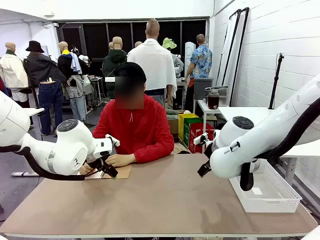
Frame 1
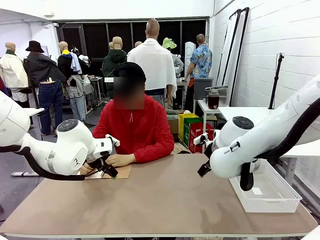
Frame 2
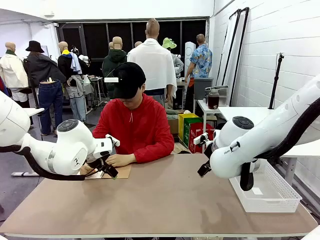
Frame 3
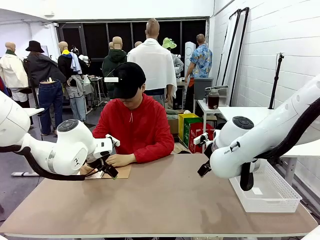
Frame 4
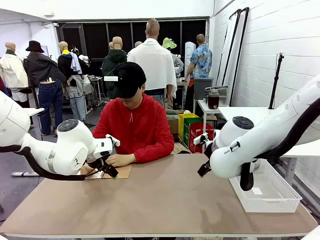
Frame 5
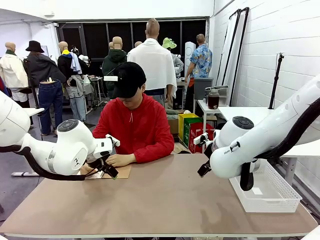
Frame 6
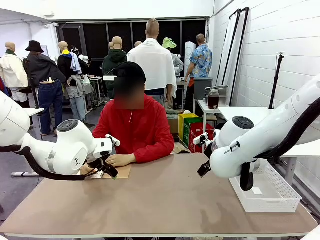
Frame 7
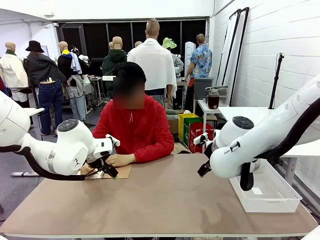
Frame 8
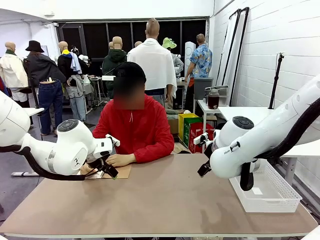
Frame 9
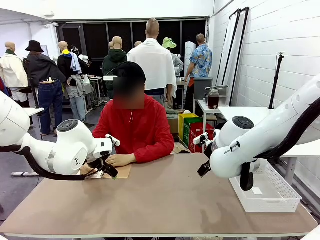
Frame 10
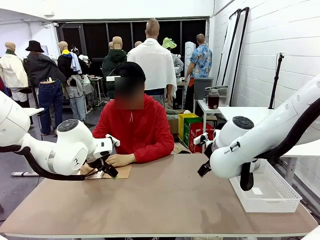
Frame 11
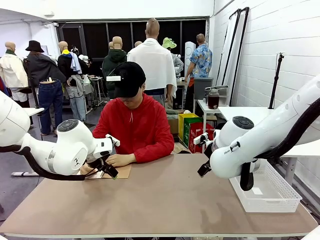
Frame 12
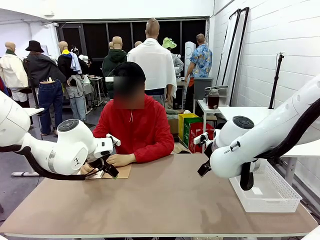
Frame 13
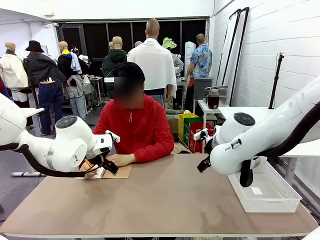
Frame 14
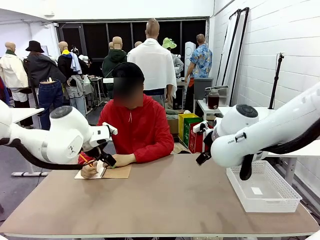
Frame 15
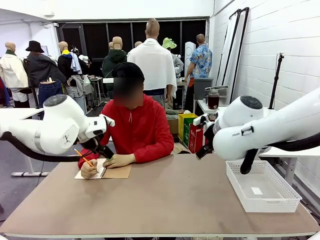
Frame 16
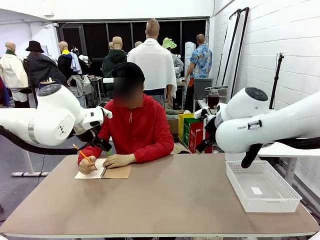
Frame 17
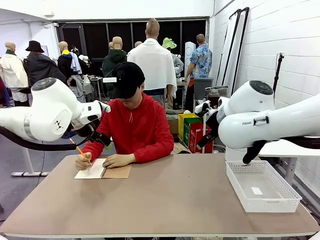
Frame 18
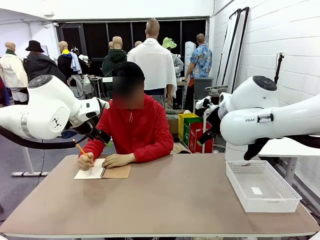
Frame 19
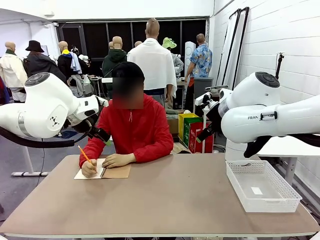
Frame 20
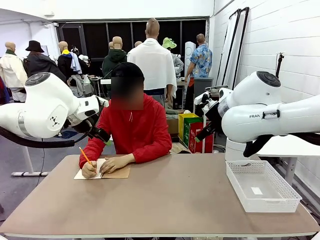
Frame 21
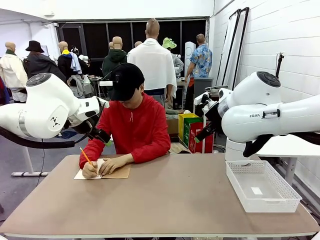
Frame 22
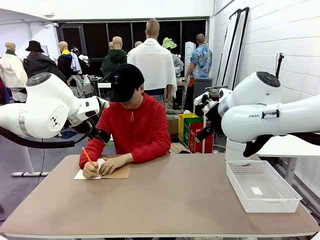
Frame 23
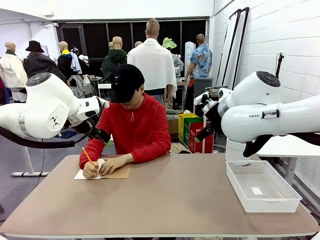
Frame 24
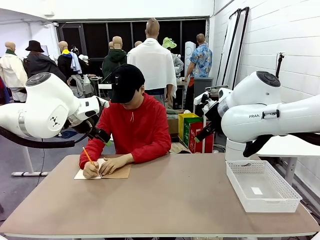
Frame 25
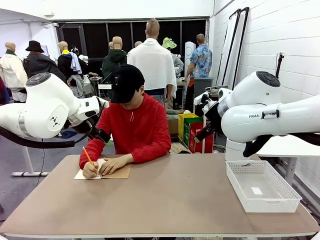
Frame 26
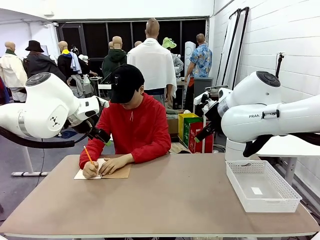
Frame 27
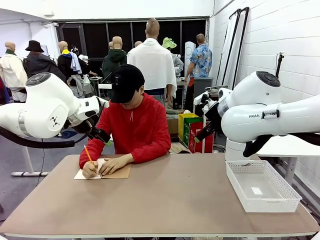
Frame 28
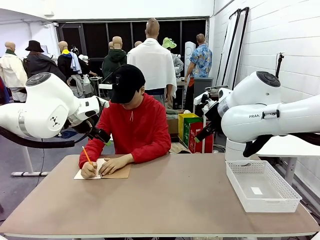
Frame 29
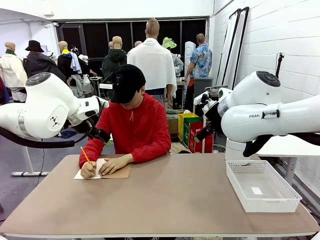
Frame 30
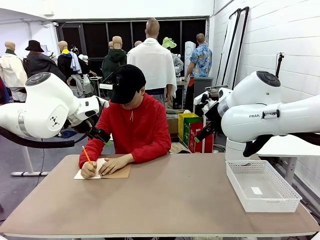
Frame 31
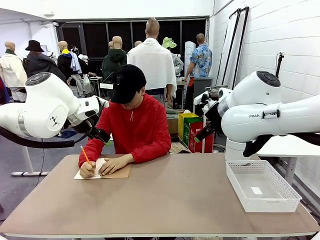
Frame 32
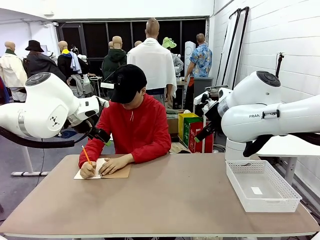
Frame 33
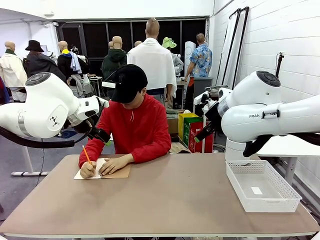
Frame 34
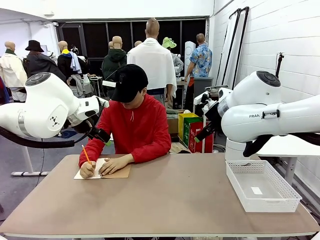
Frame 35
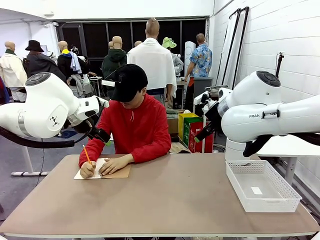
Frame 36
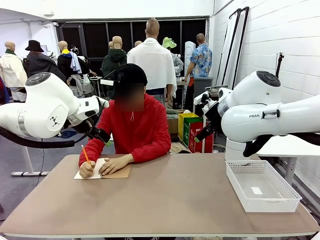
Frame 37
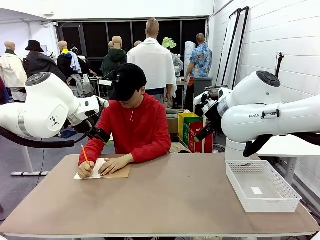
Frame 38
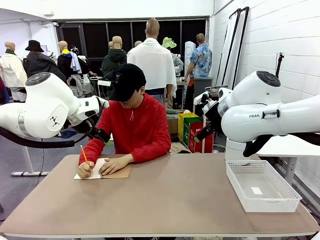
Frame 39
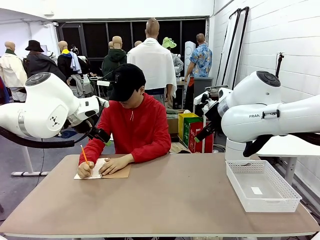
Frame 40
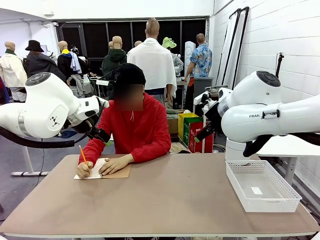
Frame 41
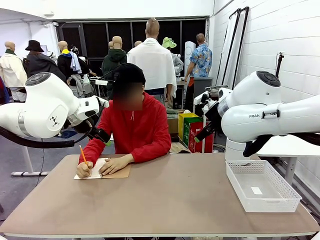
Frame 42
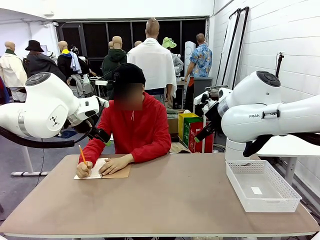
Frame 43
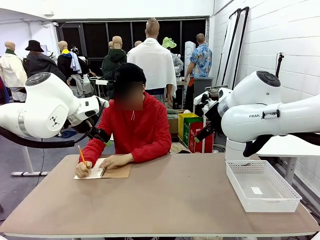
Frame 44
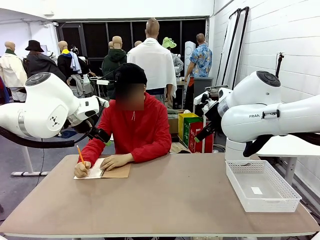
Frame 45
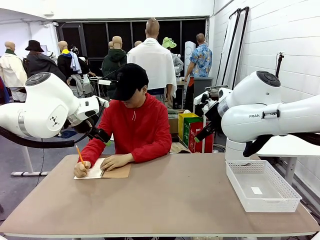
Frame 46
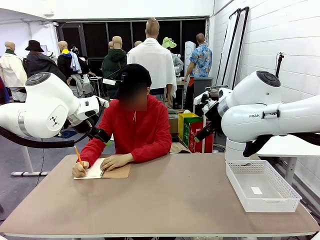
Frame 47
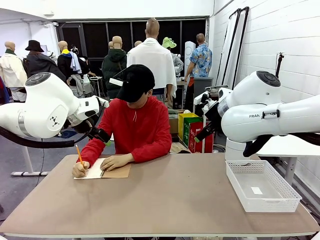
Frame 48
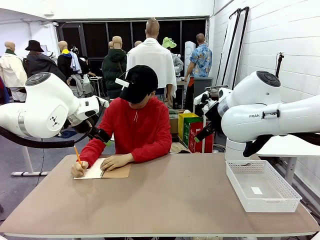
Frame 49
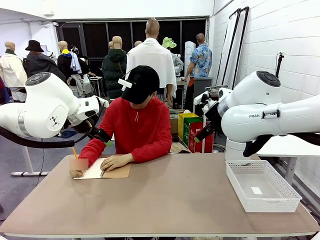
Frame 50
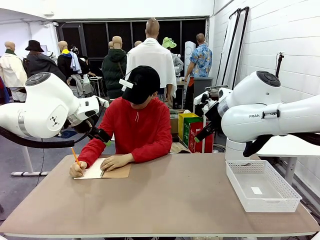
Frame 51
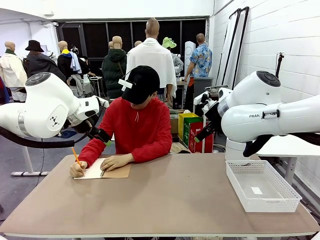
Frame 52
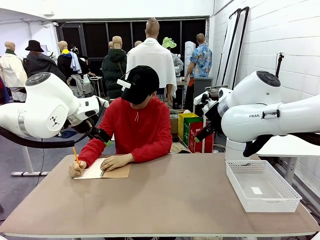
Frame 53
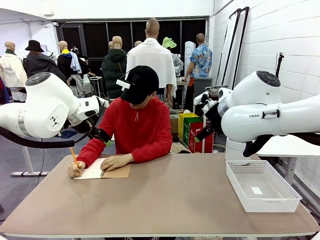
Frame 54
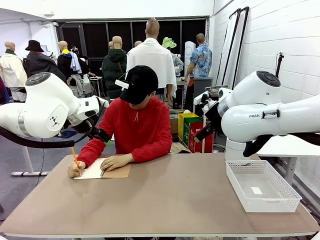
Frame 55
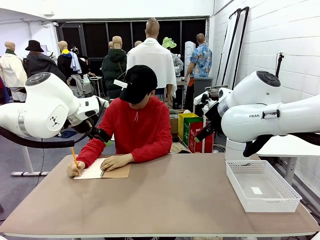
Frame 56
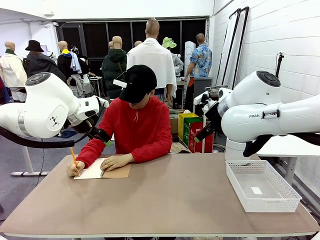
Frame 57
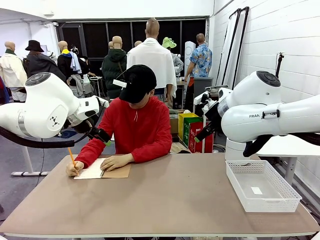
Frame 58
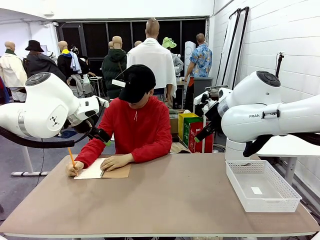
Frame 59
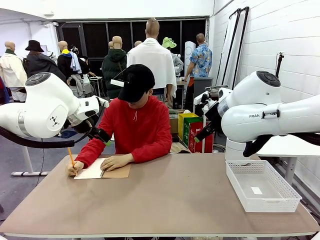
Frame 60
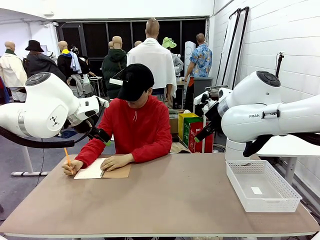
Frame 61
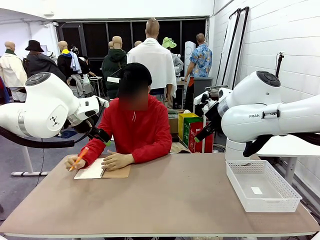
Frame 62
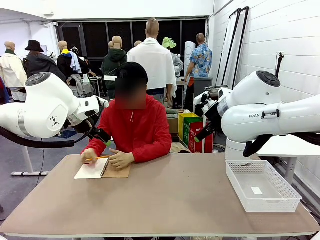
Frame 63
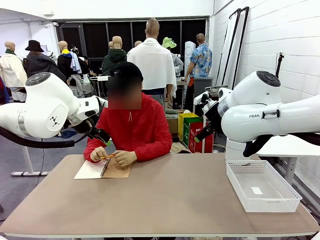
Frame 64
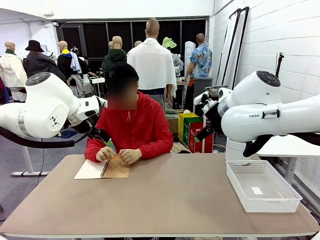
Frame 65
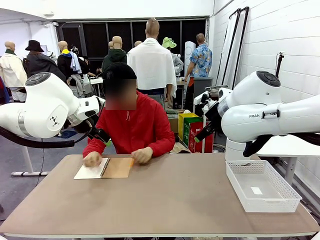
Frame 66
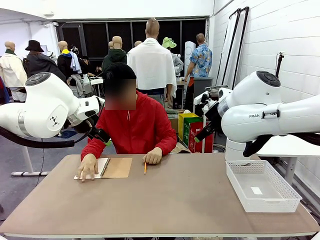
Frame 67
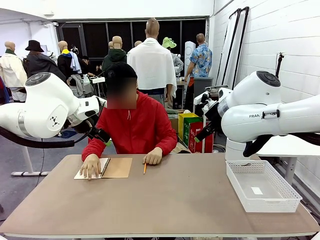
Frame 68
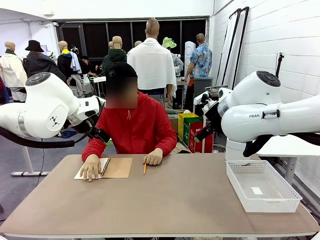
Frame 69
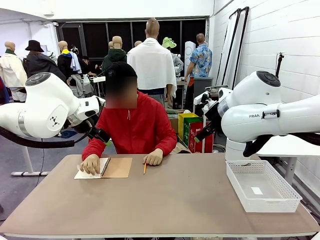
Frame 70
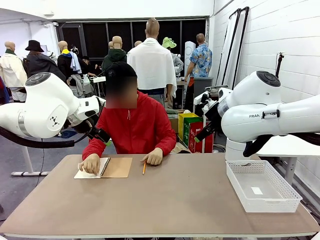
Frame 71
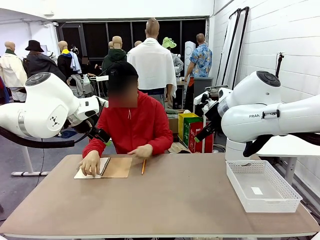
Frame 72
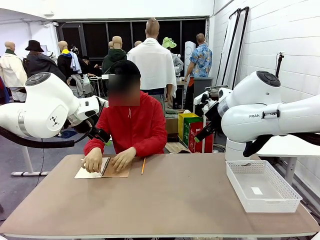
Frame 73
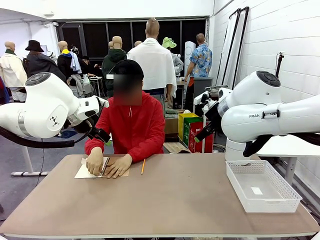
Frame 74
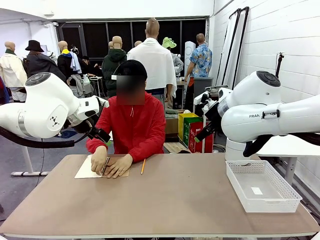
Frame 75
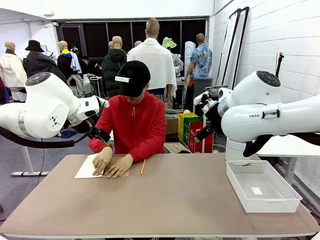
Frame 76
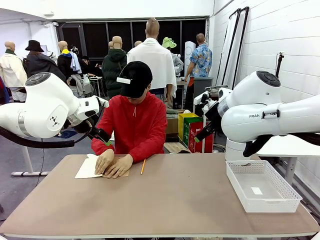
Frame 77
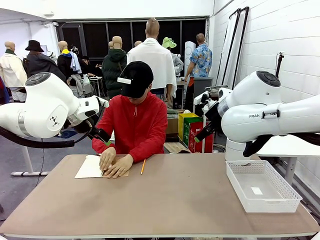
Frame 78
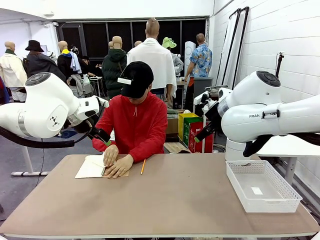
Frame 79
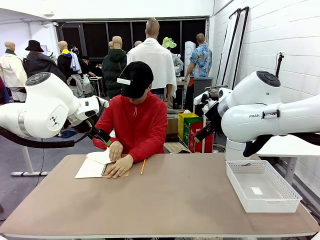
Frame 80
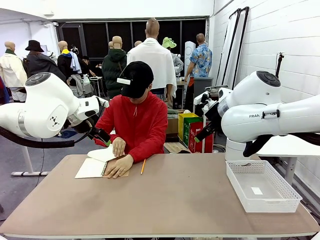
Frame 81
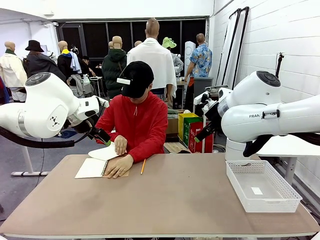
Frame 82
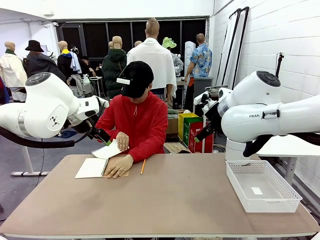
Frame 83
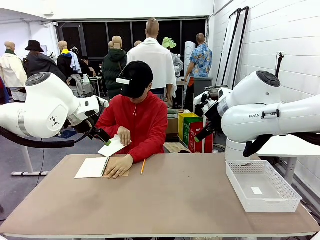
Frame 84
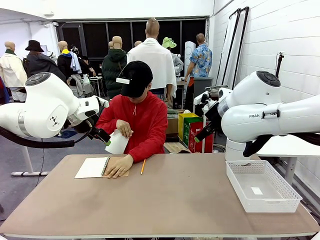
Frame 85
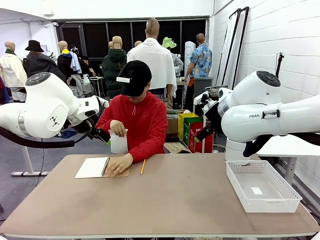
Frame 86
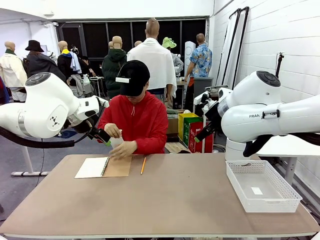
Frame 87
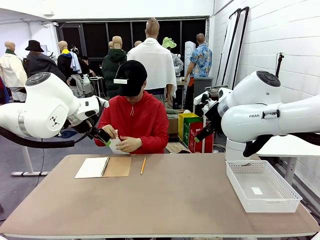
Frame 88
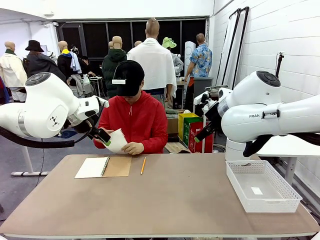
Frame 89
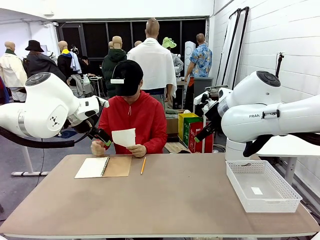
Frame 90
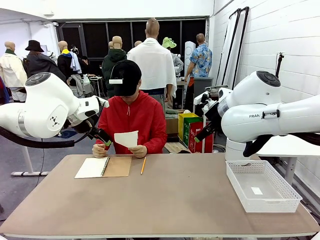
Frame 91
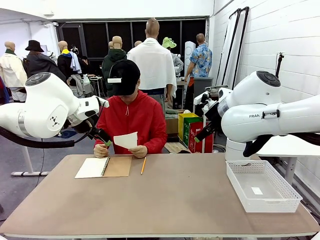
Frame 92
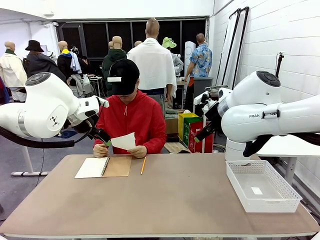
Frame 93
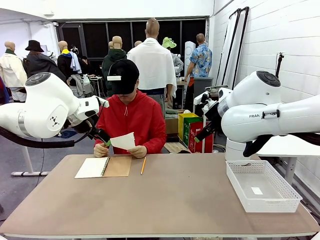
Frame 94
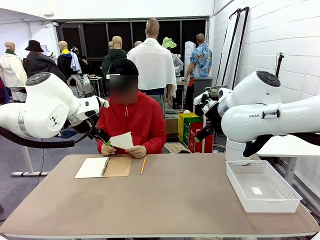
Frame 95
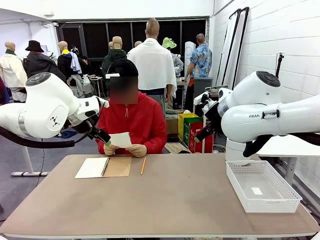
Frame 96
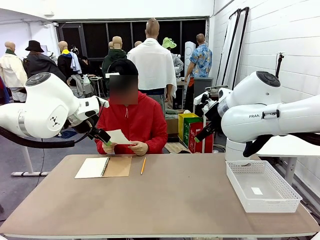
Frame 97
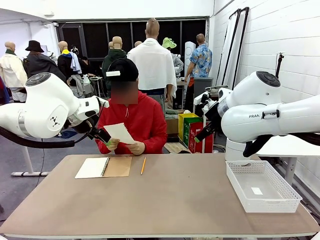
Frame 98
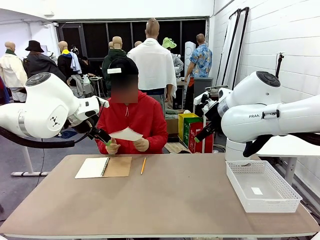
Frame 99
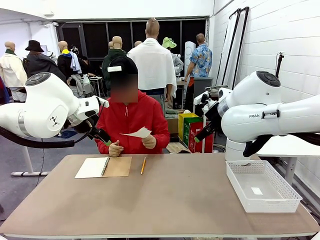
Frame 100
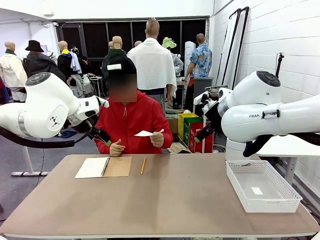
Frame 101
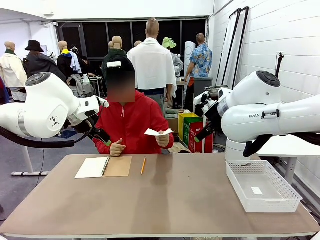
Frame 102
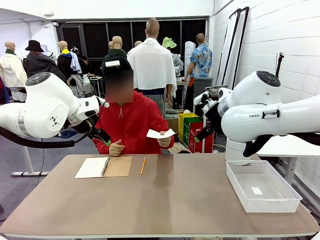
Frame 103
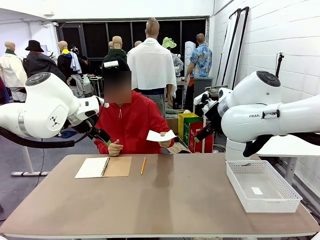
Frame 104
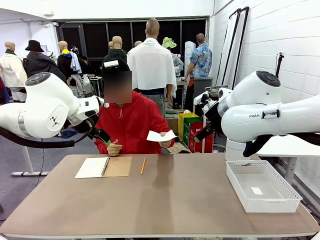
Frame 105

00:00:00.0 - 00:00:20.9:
Task: Sort the paper based on its condition.
Robot: If a person hands you a paper, place it in the Organizing basket , and if it's crumpled, put it in the Trash can.
Person: Tear out a page from the spiral notebook. Hand the torn page to the robot or crumple it and throw it to the center of the table.
